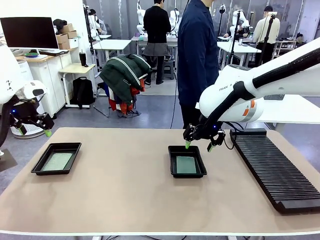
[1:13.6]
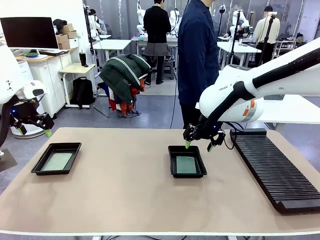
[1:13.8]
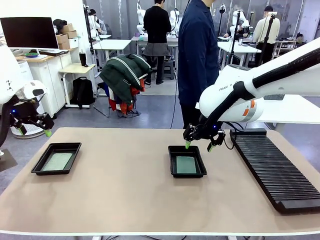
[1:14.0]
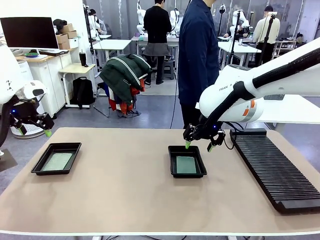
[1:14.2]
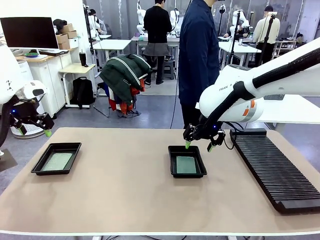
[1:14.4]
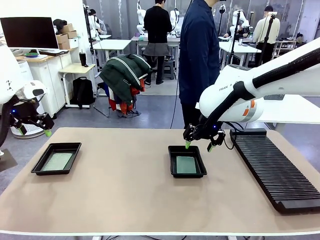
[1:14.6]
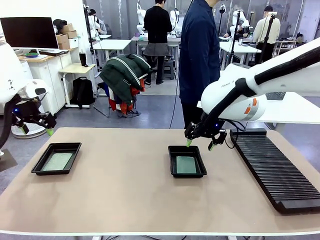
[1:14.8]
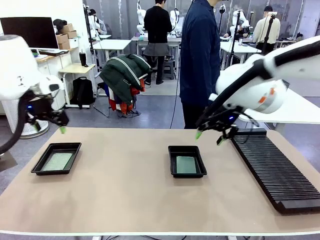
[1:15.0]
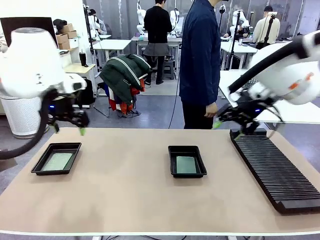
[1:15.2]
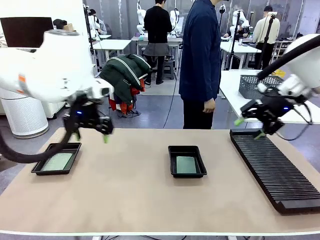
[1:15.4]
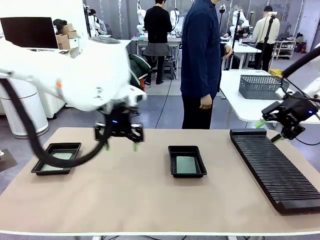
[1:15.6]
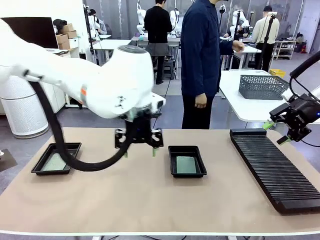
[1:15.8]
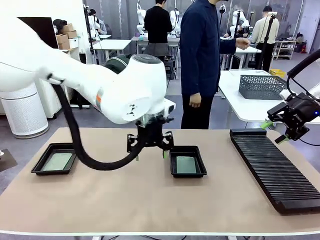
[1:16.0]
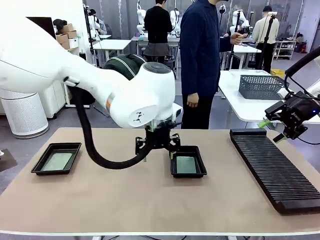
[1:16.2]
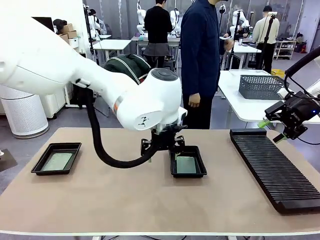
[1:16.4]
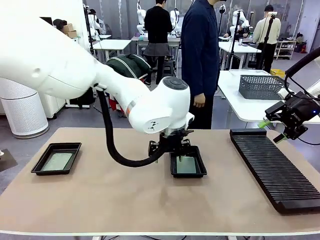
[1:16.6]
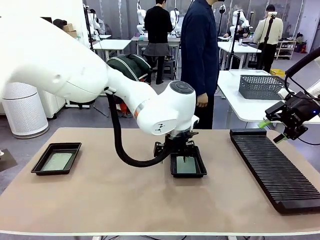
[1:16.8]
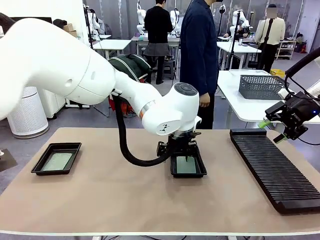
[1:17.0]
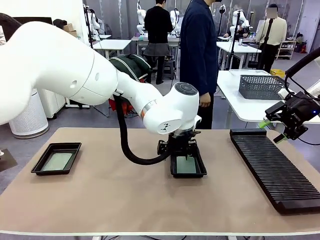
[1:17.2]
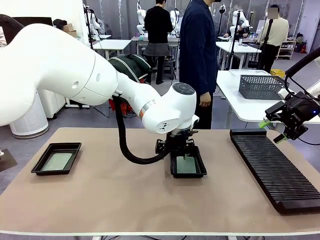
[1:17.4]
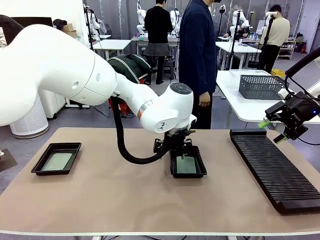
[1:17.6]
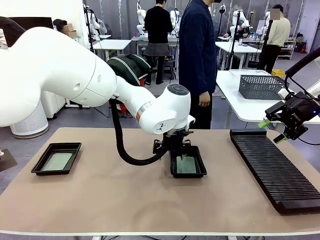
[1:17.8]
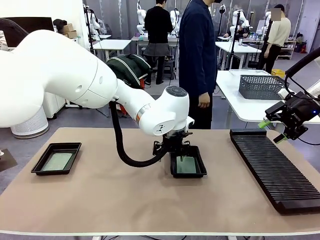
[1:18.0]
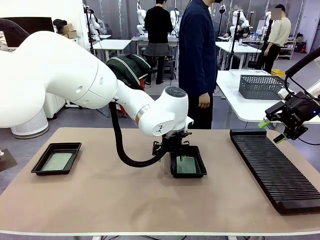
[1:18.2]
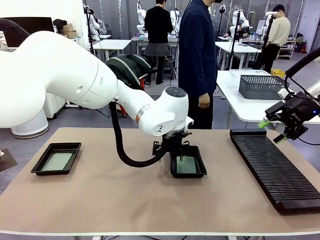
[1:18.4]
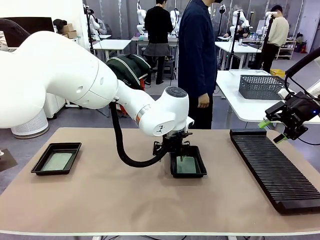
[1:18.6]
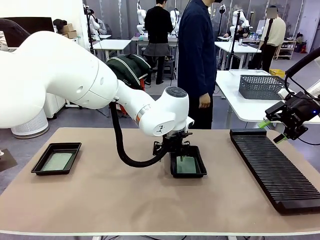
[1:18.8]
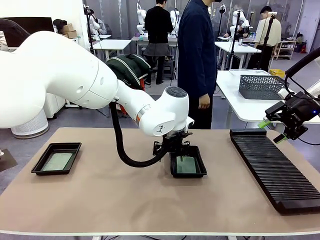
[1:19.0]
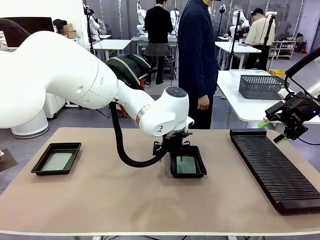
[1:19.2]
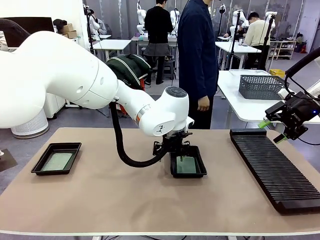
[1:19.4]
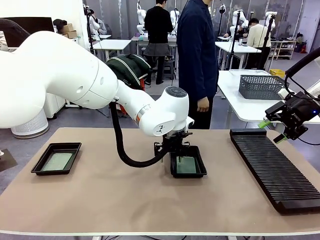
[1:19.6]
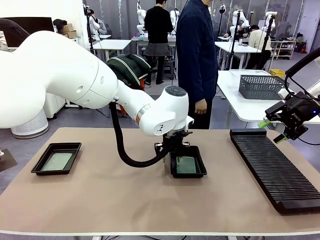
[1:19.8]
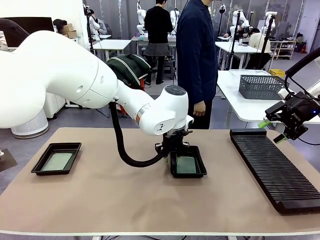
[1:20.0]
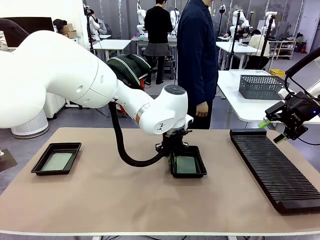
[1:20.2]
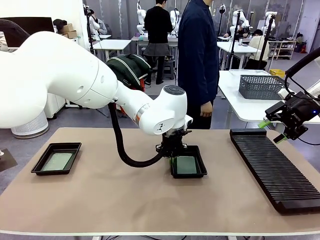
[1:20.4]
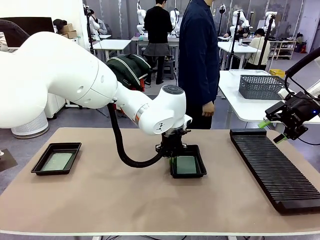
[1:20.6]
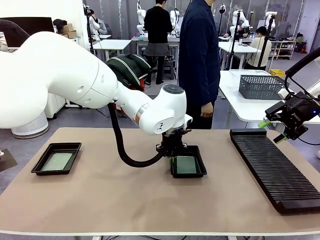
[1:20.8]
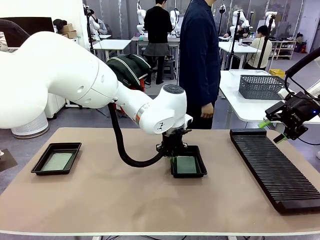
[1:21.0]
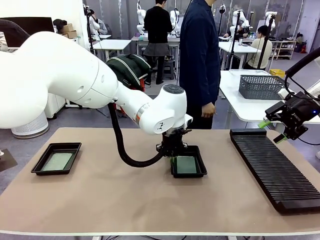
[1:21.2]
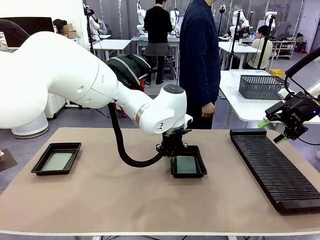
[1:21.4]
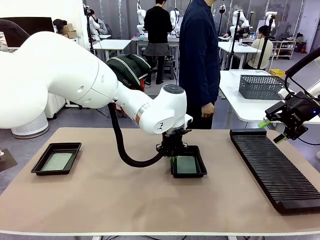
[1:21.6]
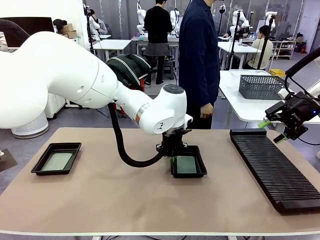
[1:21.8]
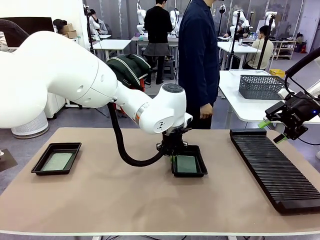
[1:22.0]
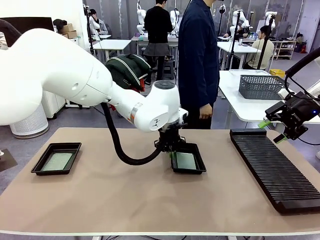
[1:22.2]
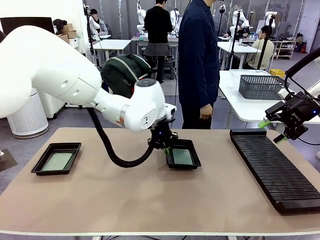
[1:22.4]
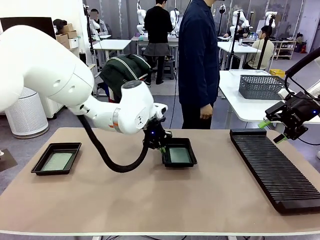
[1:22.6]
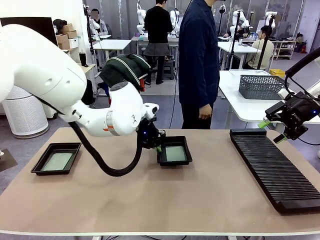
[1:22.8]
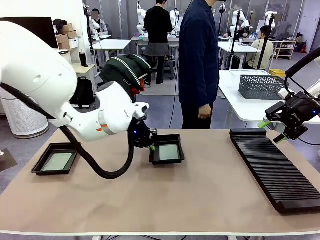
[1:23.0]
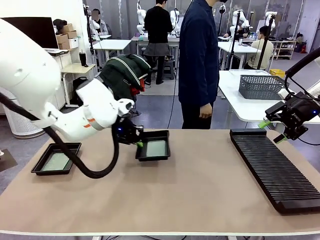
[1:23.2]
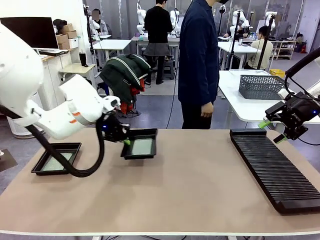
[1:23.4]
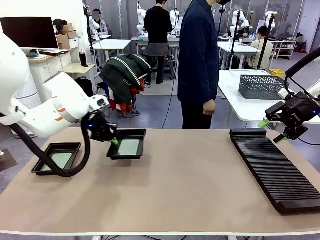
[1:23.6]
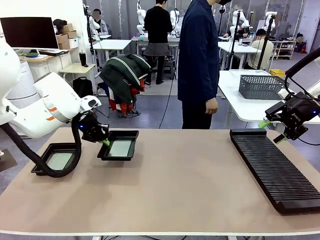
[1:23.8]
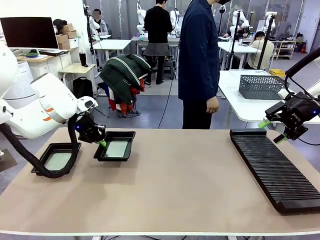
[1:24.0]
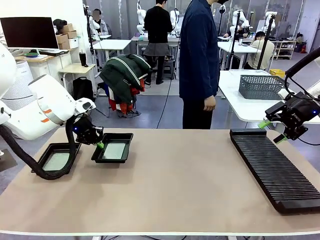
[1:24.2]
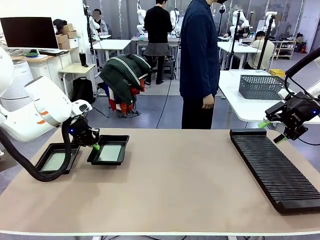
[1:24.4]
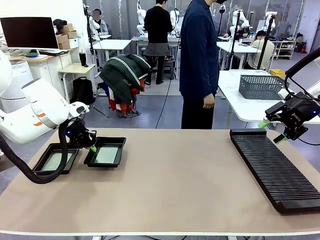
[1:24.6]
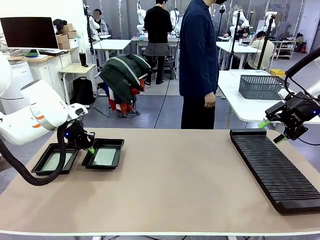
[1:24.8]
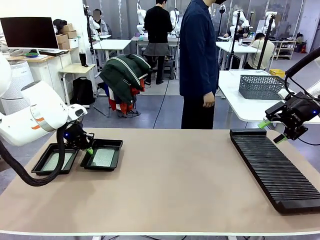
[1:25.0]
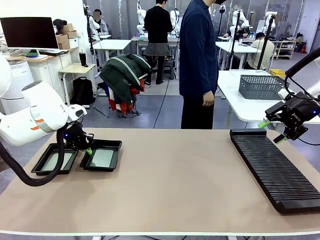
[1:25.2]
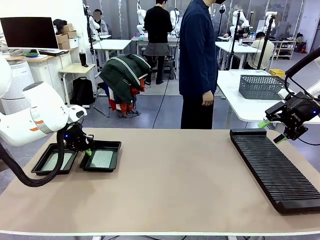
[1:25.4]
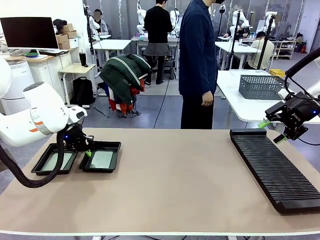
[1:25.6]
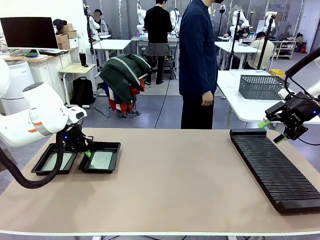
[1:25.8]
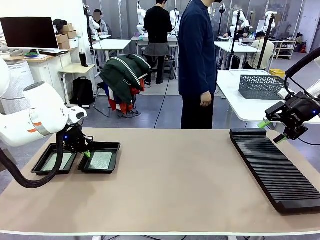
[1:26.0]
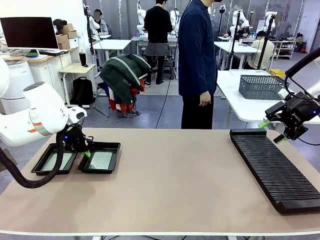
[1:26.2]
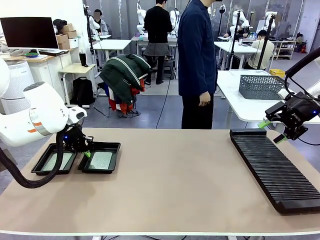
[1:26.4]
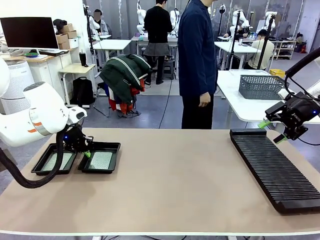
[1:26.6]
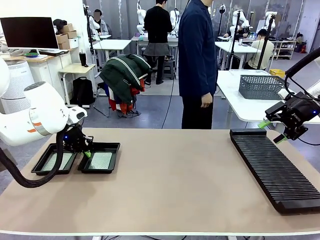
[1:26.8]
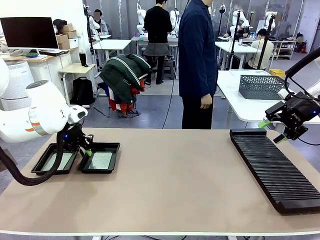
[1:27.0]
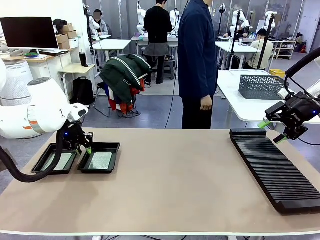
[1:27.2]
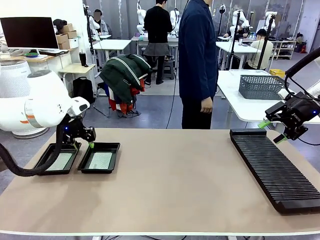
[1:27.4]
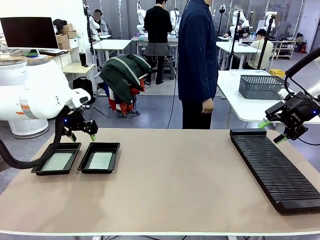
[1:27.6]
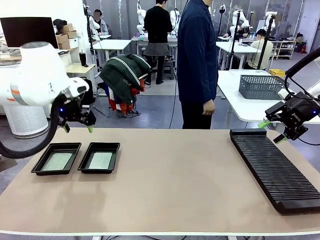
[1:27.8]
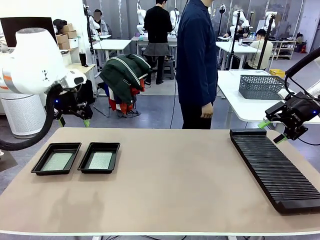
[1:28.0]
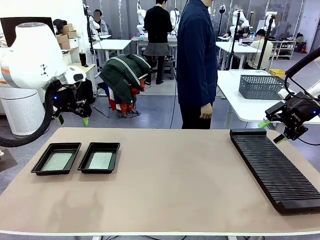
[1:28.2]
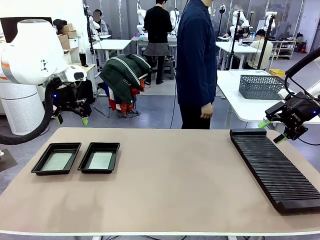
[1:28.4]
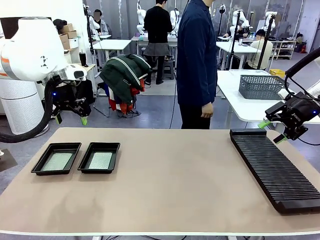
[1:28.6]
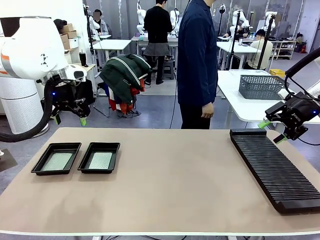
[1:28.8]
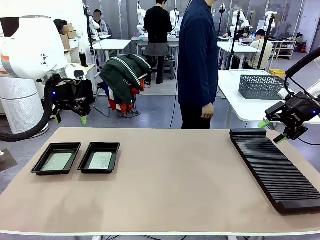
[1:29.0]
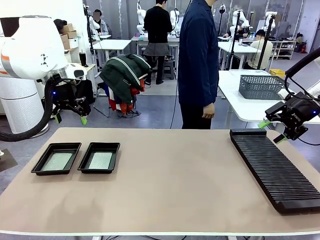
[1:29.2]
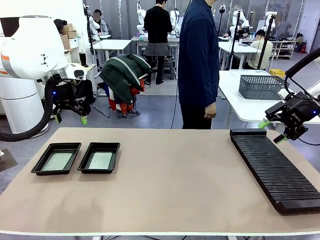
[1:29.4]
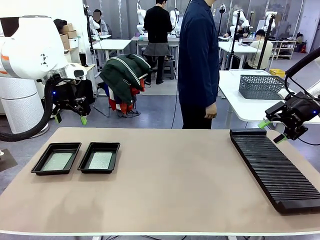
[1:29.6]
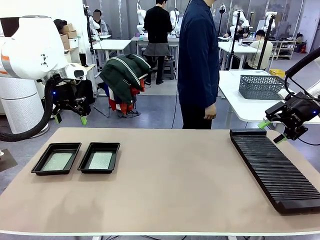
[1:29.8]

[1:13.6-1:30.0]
Task: Inspect and transfer BCBs to ESD trays.
Robot: Pick up the ESD tray and place it on the left side of the table.
